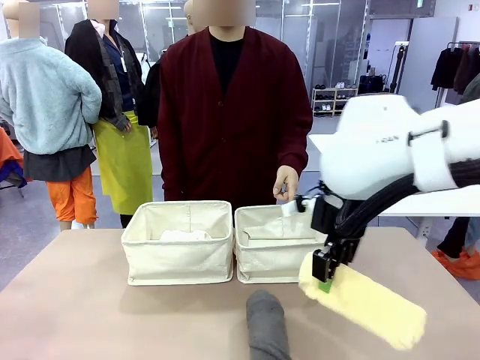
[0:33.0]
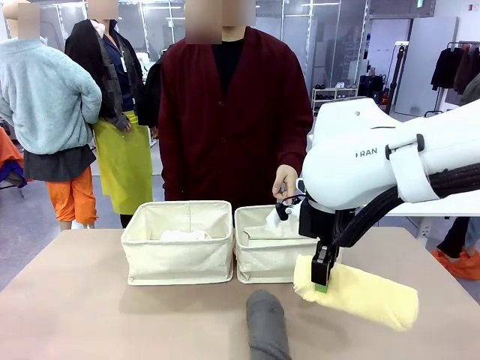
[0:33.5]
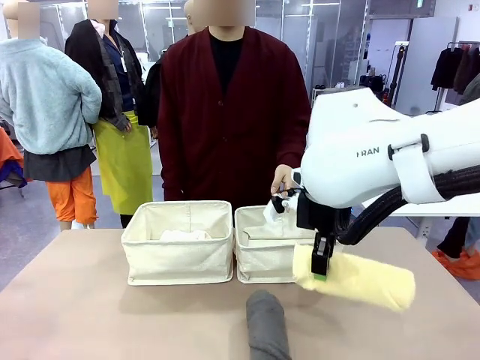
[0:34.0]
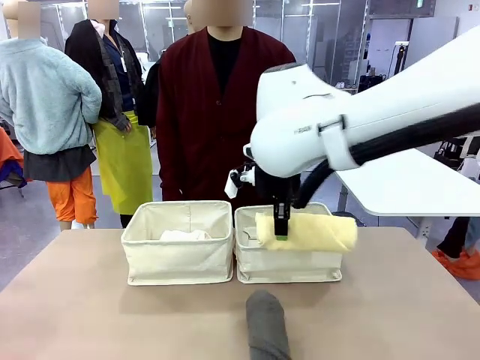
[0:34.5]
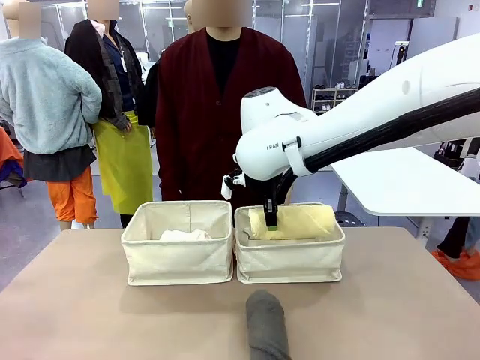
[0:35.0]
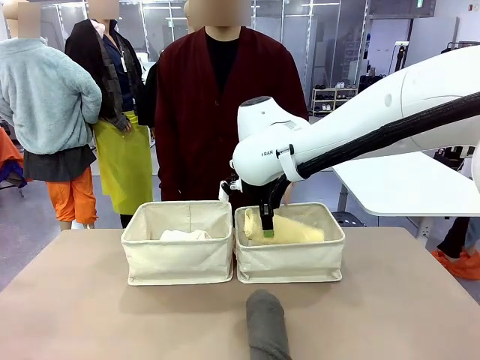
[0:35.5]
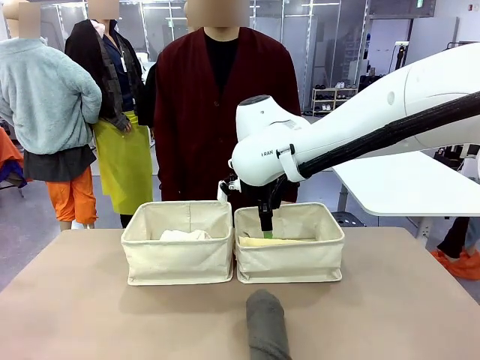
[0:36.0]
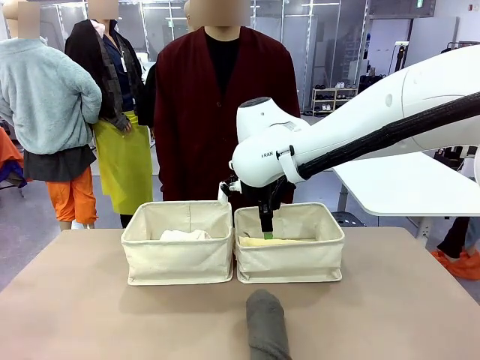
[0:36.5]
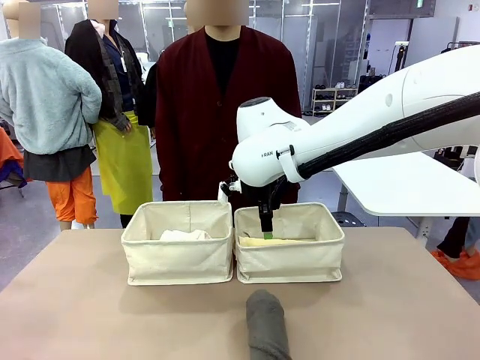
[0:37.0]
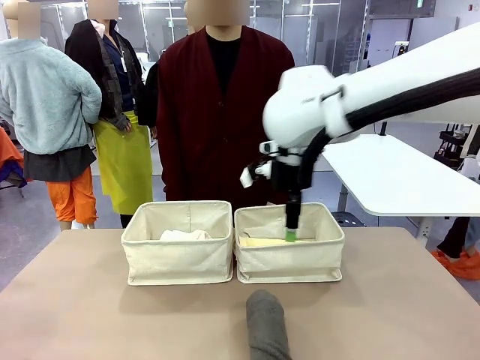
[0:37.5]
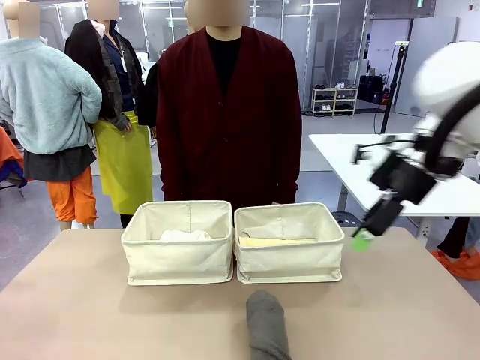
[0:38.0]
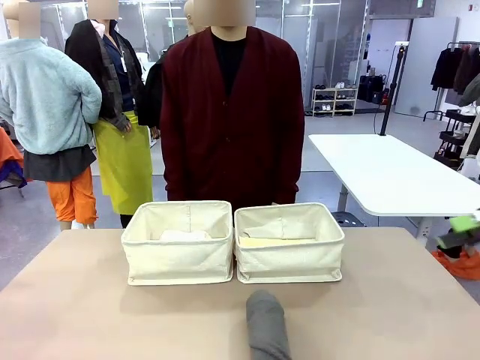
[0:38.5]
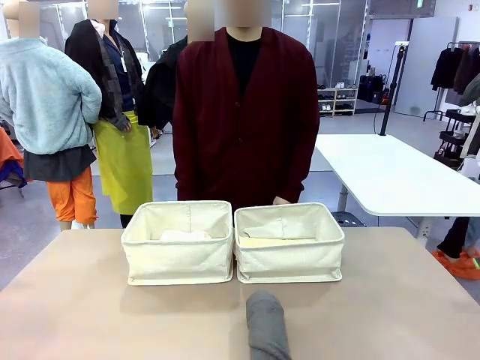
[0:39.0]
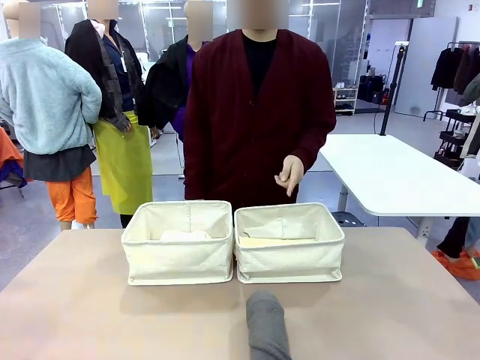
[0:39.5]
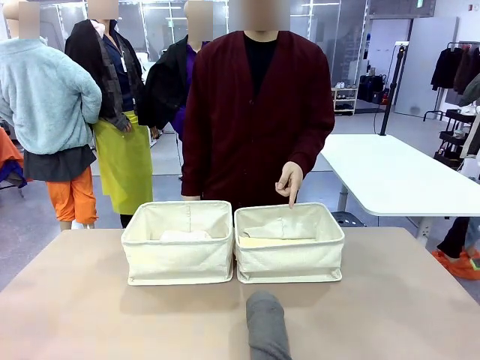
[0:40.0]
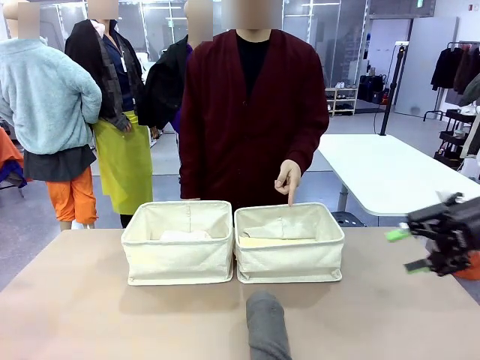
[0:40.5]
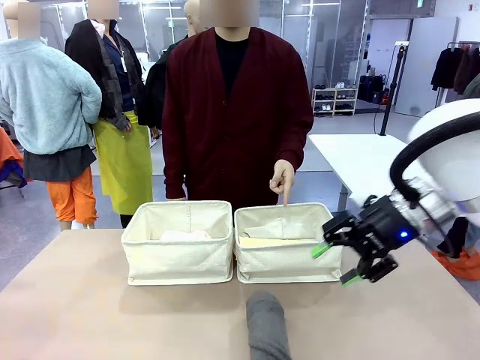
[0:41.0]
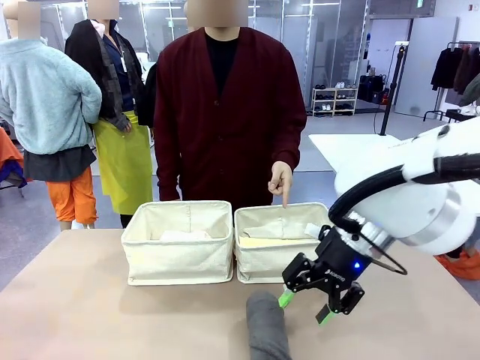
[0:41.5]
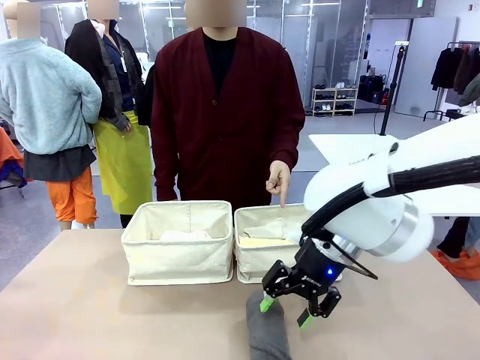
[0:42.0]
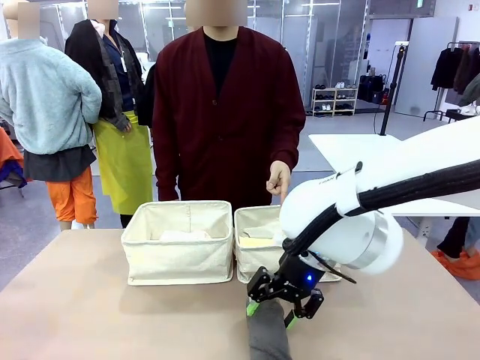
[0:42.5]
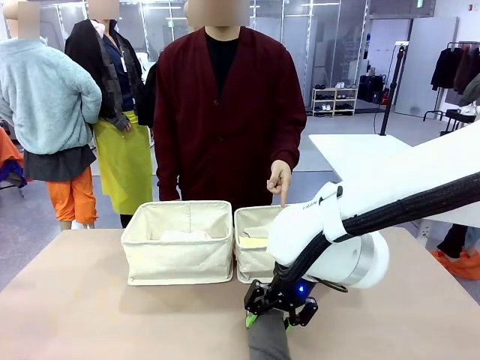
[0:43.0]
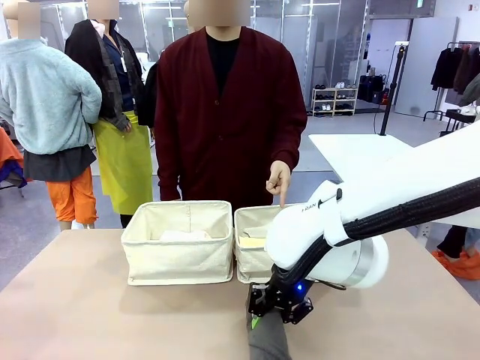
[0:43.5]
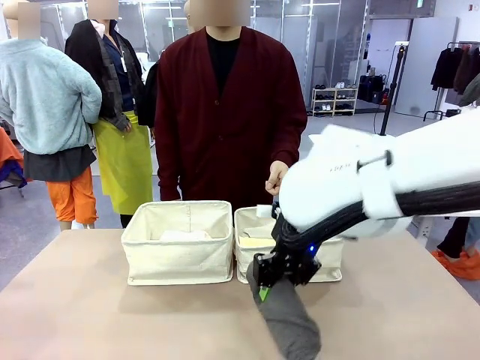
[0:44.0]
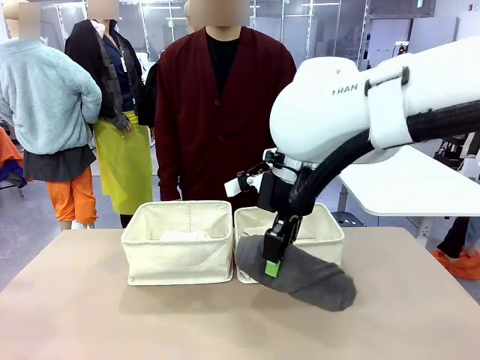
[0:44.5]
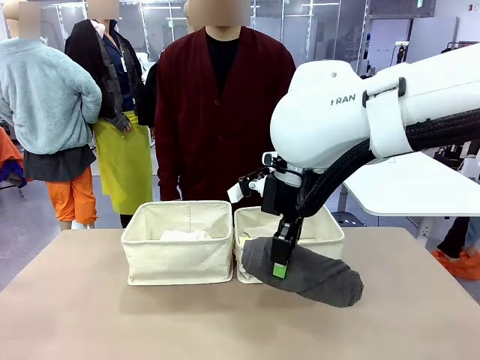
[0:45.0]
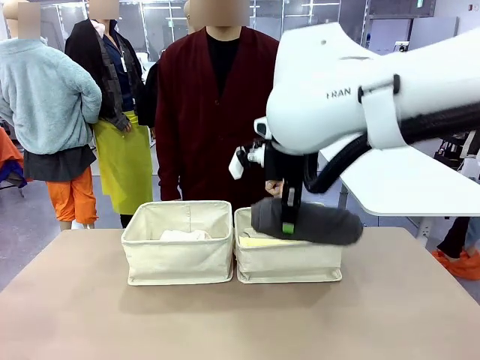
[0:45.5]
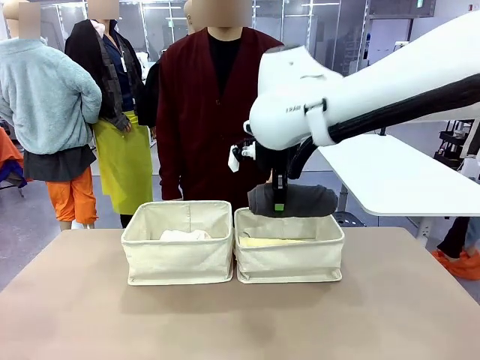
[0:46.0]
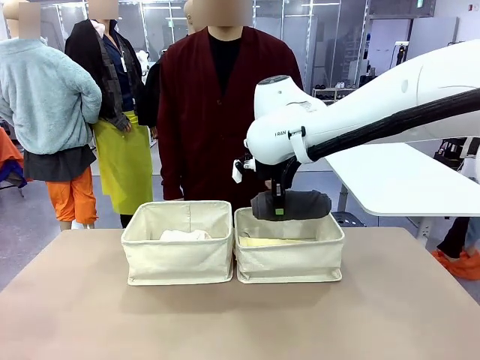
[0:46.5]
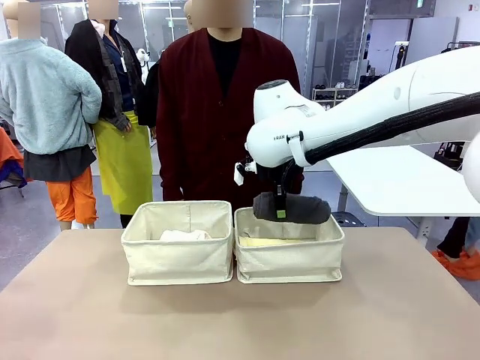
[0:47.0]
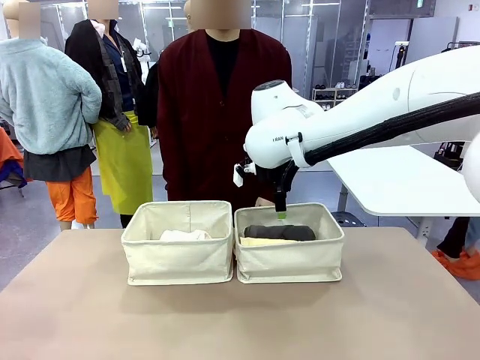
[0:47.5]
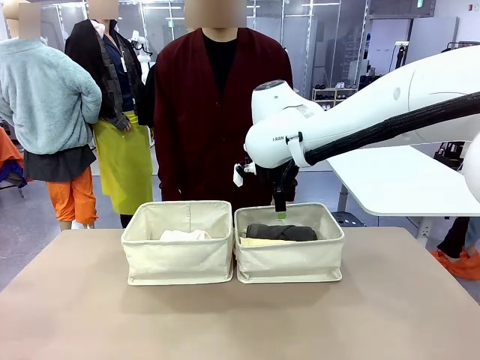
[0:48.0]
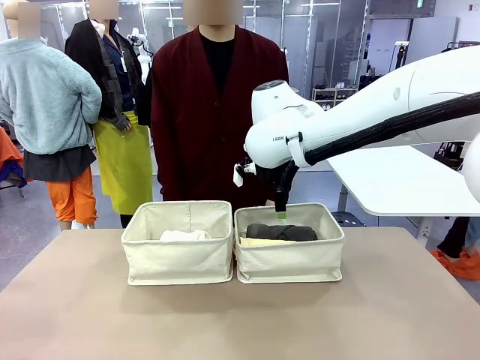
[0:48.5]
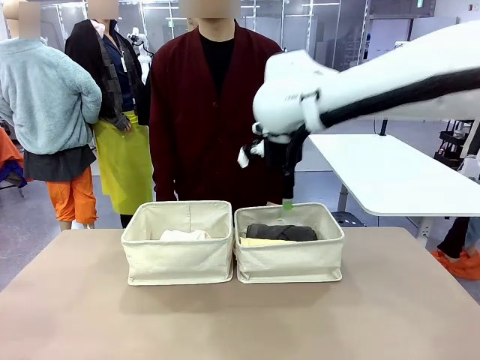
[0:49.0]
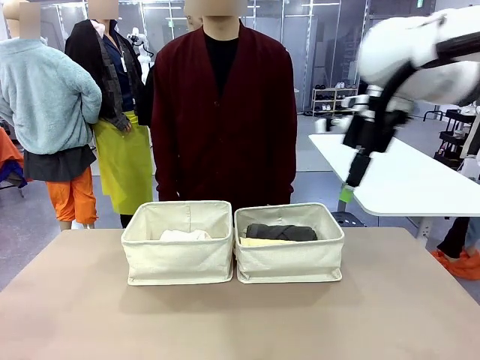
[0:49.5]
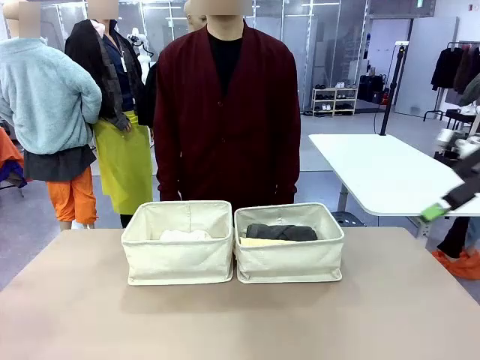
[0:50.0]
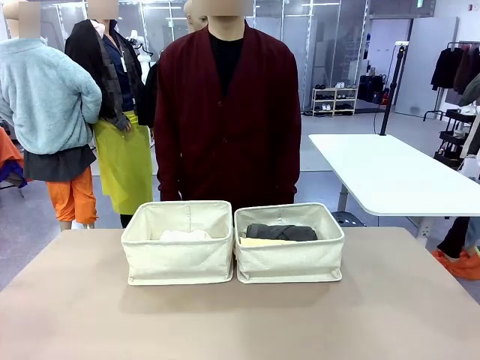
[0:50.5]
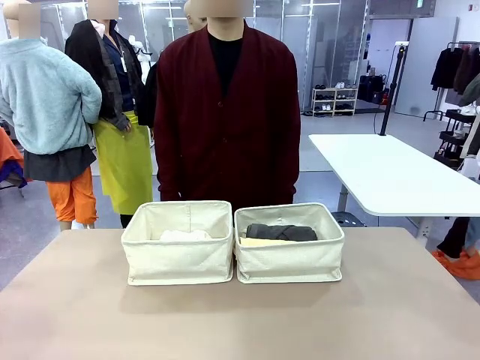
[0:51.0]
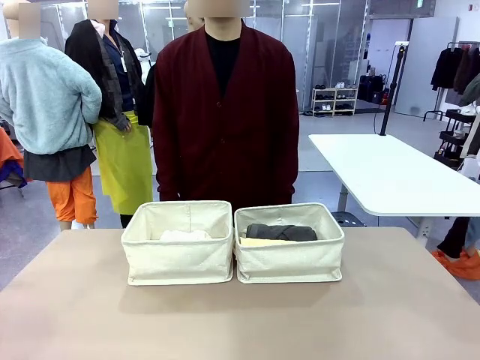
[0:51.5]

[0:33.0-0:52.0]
Task: Divide the towels into two baskets.
Robot: Pick up one hotel-folded towel from the bottom of the table and place it in the Fabric basket indicated by the person.

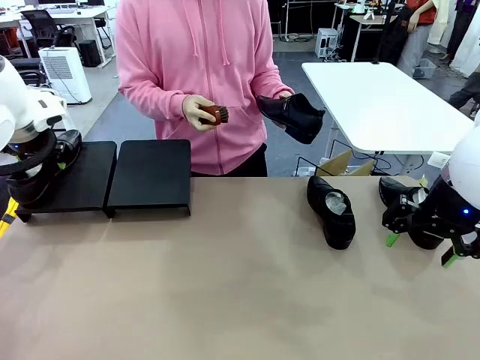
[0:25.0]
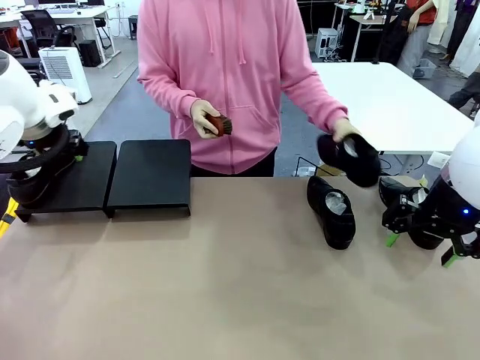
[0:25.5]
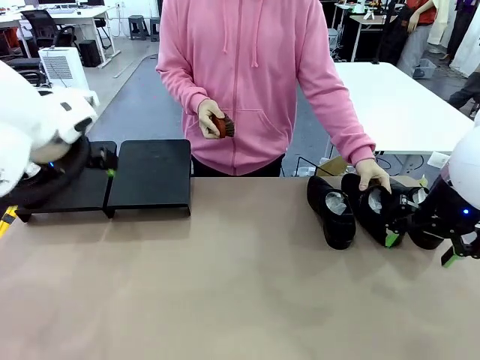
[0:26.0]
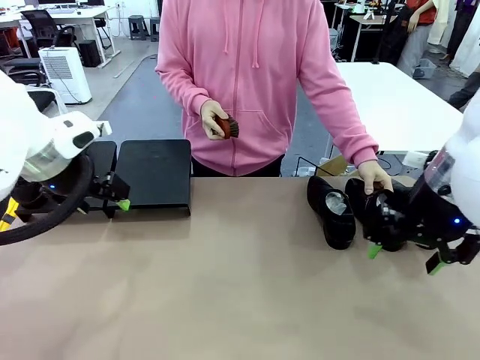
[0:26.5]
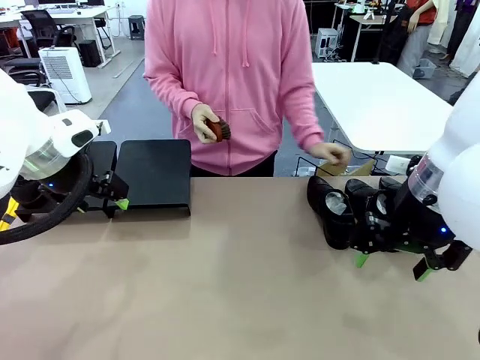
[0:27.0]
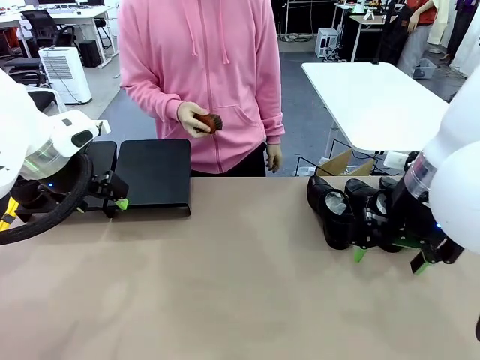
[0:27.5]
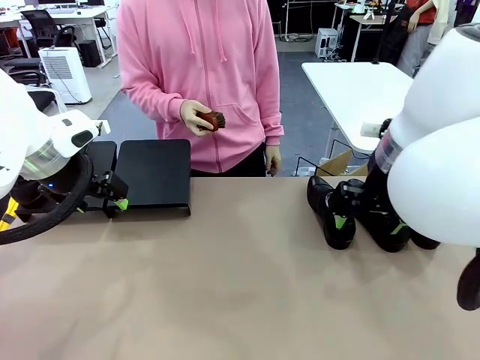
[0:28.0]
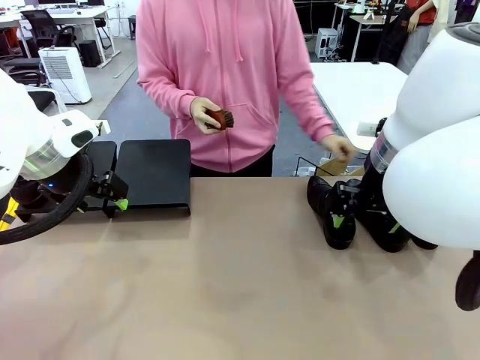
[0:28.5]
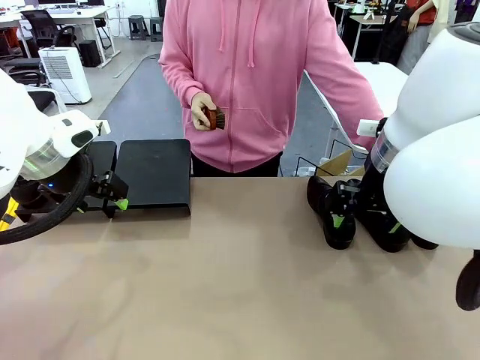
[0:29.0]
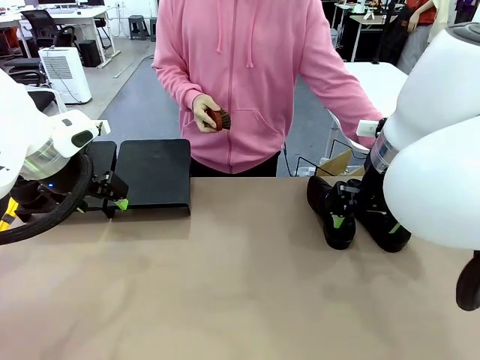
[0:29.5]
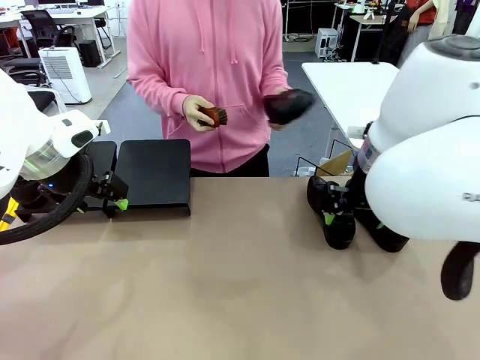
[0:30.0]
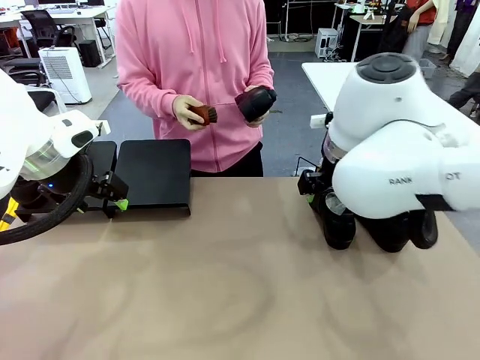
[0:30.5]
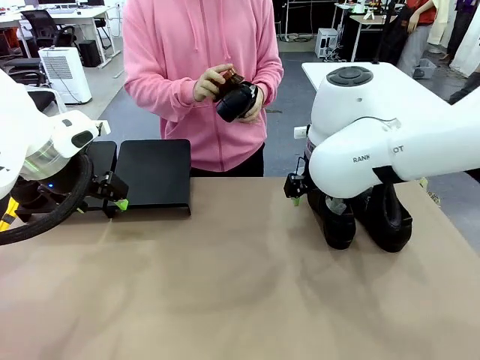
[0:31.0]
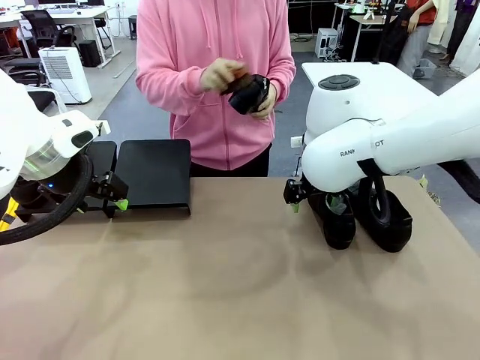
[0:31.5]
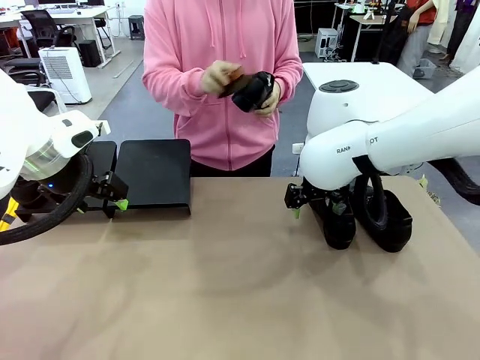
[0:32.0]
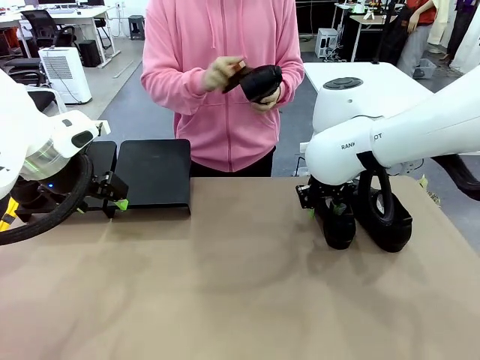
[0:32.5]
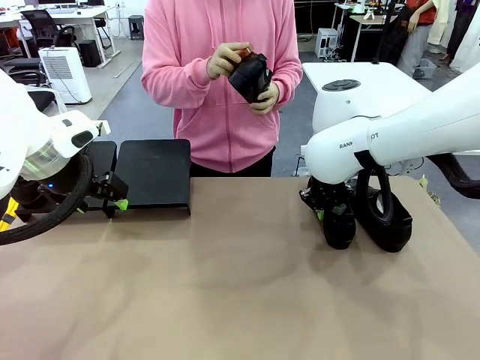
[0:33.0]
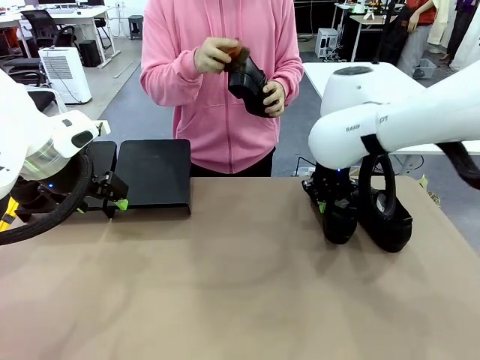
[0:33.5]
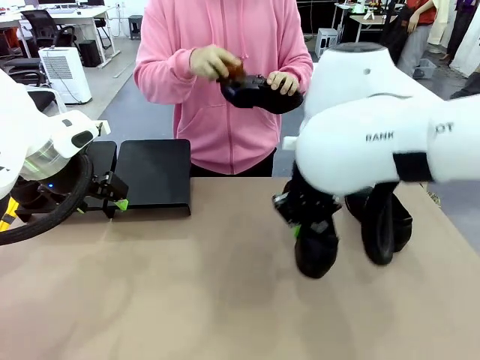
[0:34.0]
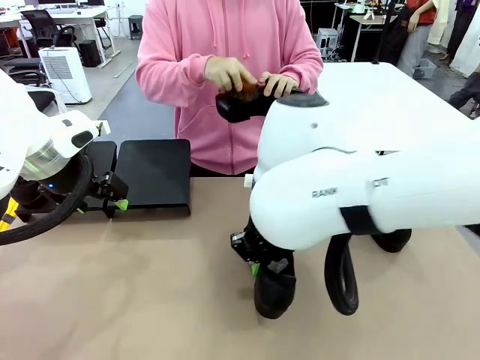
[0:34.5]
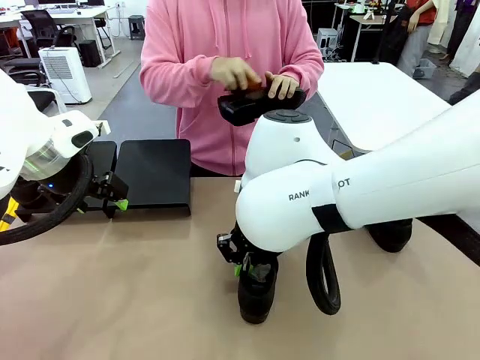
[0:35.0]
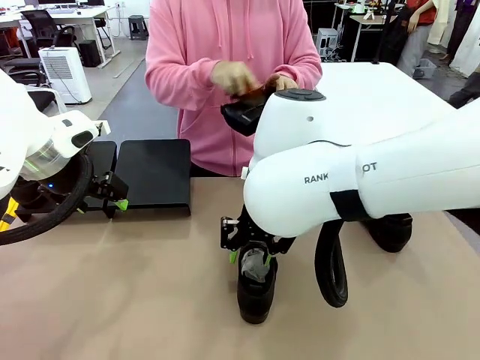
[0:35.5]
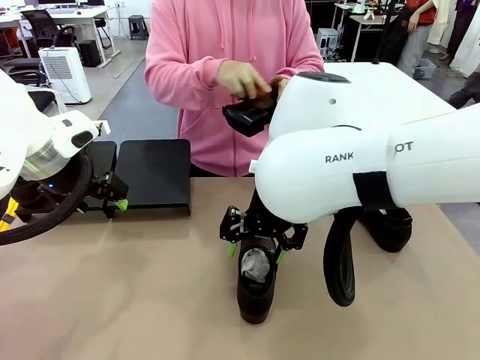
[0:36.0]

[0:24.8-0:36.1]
Task: Organize the shoes by placing them on the stand.
Robot: Pick up one Shoe and place it in the middle of the table.
Person: Place the Shoe on left side of the Robot's table. Pick one Shoe on Robot's table.
